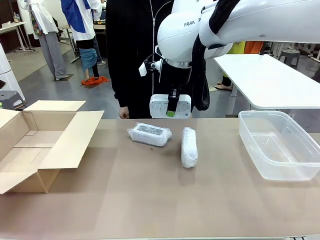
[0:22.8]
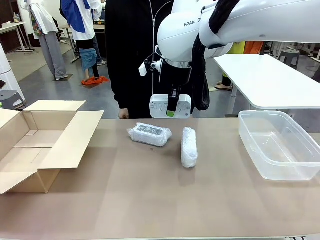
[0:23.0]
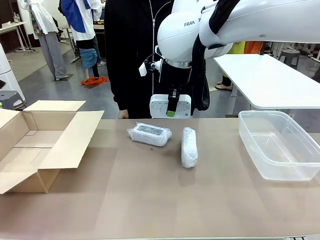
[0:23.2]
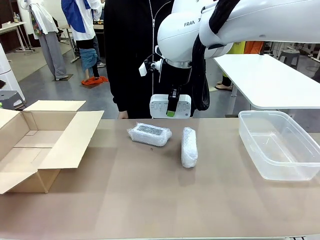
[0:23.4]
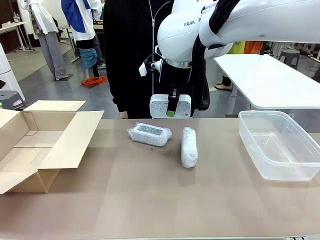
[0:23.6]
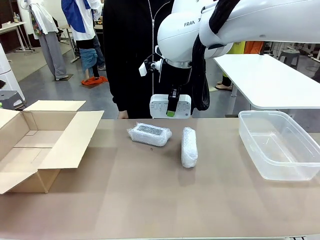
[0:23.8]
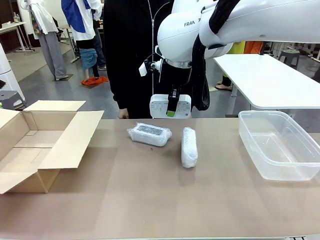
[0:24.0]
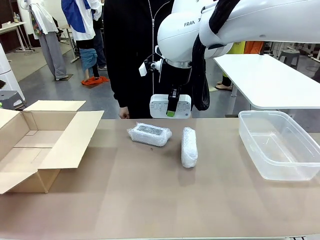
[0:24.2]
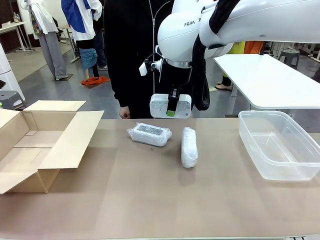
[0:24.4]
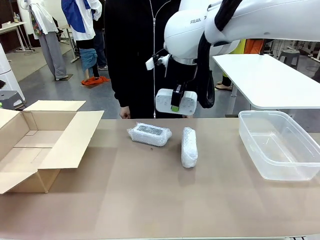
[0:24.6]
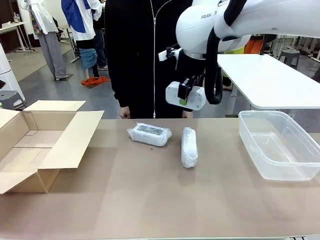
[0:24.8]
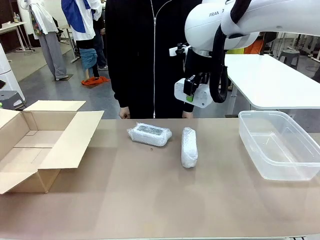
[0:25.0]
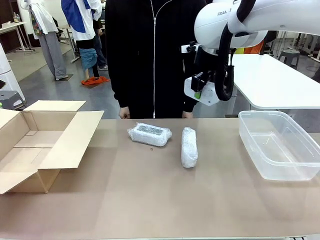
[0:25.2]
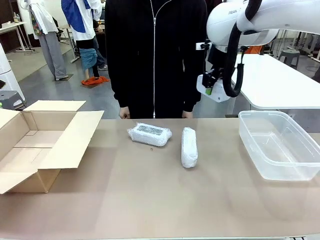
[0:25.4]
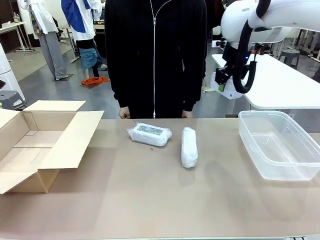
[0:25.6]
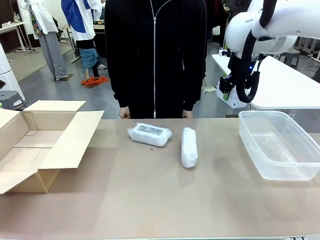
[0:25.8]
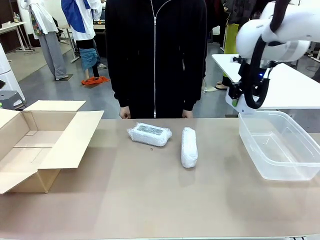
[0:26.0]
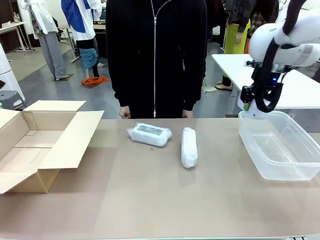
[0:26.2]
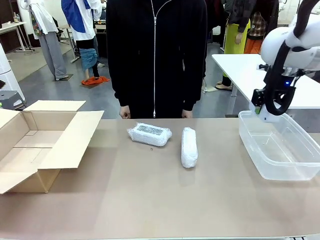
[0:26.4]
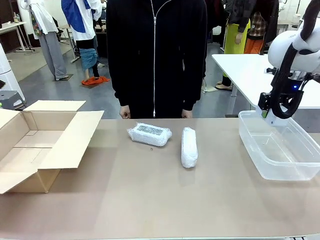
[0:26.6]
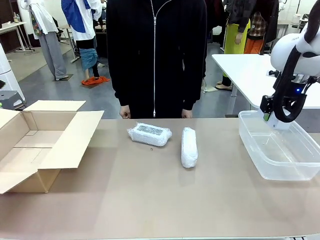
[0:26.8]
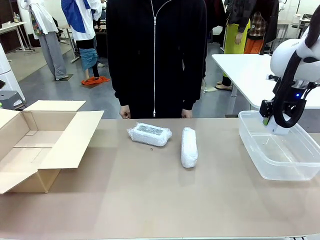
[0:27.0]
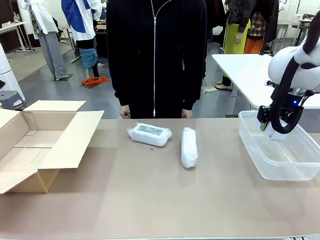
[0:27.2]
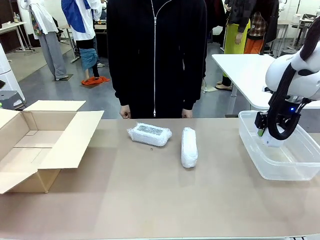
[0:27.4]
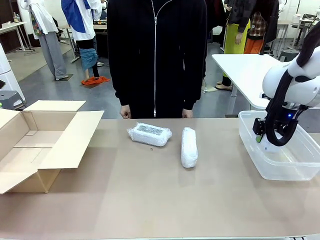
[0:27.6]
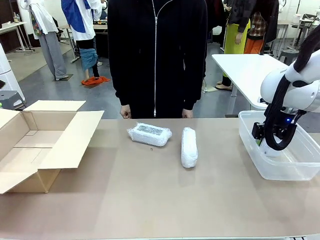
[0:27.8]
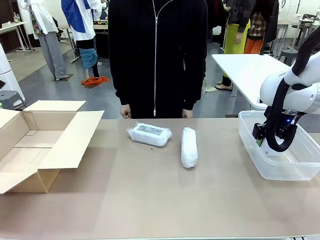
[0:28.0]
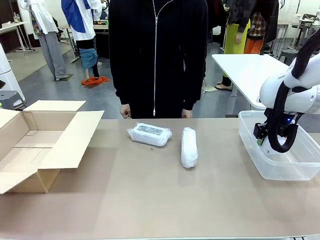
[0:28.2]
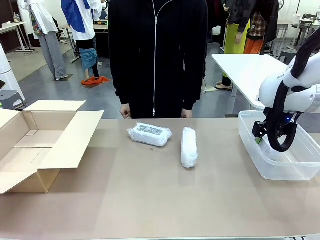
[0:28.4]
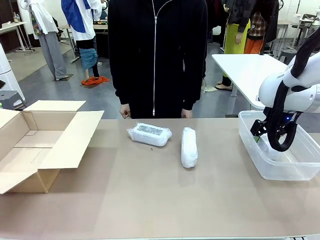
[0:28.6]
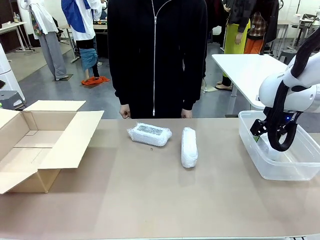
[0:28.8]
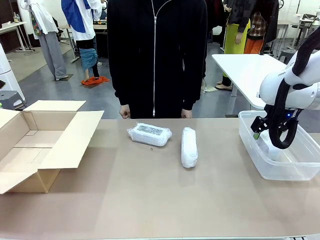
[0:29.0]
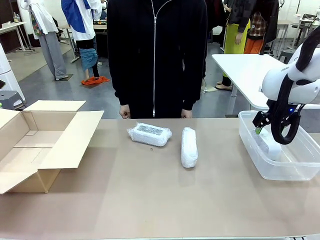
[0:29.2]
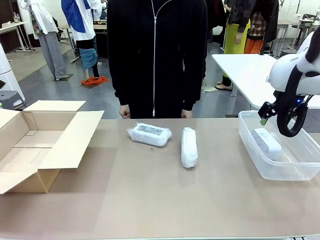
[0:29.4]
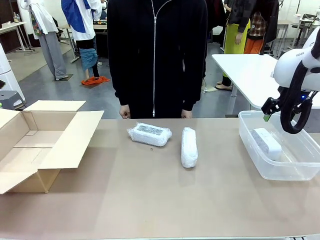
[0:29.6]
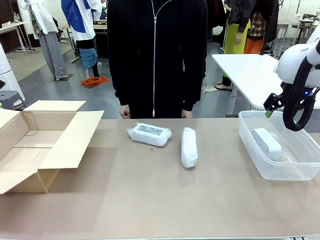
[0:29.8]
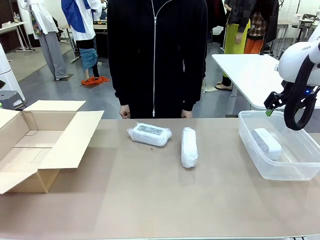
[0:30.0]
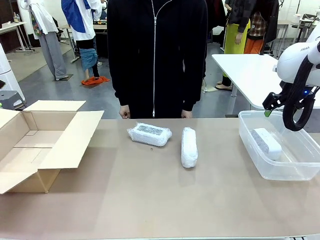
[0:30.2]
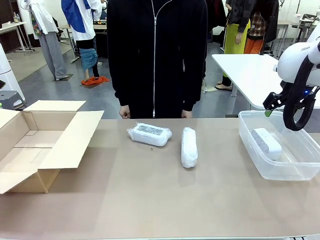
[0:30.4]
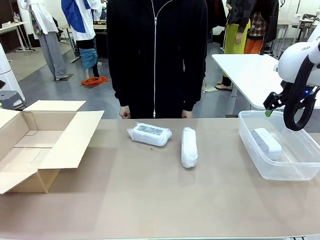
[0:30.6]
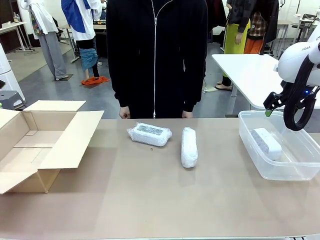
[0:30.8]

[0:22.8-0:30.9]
Task: Separate and place wrapped and unwrapped clocks.
Robot: If the picked Digital clock is wrapped, place it in the Package Box ; if not, place it in the Organizing box.

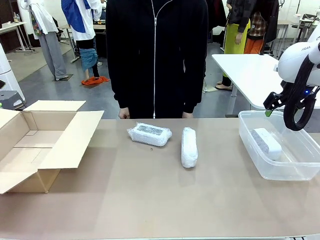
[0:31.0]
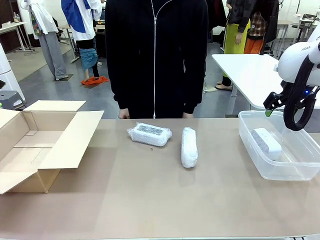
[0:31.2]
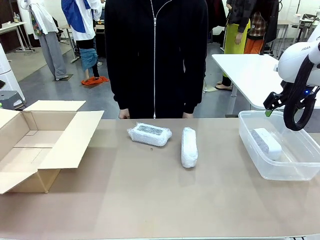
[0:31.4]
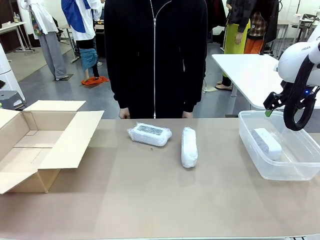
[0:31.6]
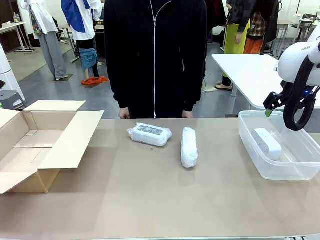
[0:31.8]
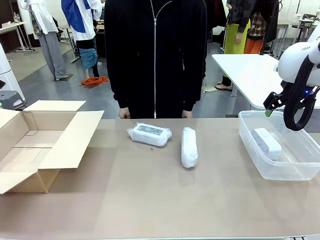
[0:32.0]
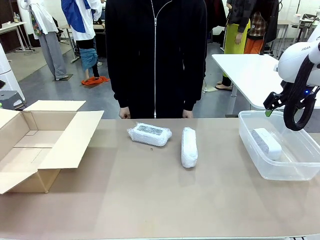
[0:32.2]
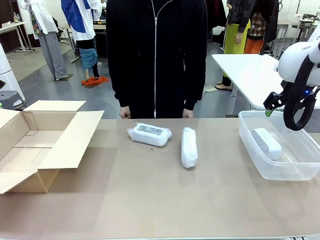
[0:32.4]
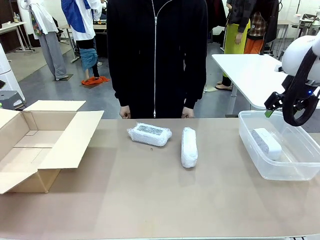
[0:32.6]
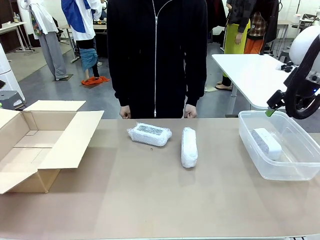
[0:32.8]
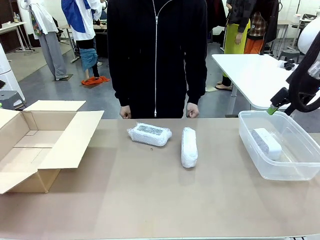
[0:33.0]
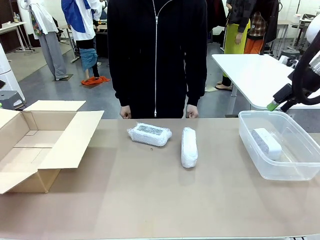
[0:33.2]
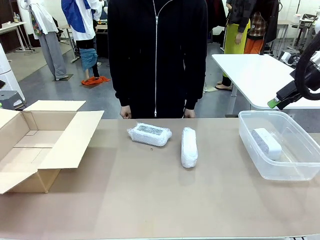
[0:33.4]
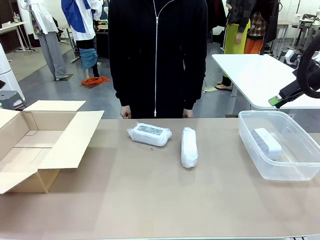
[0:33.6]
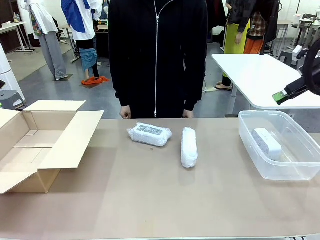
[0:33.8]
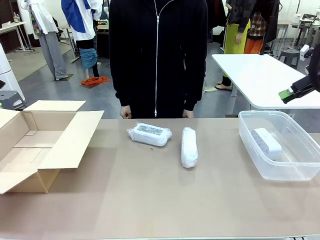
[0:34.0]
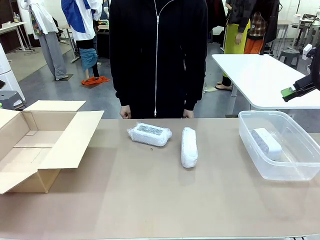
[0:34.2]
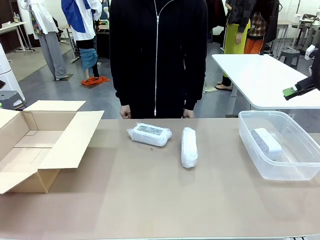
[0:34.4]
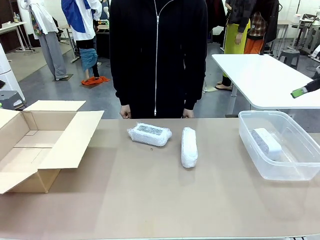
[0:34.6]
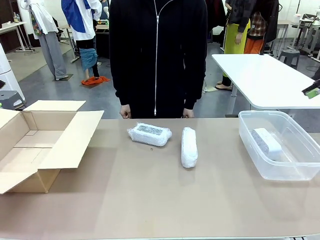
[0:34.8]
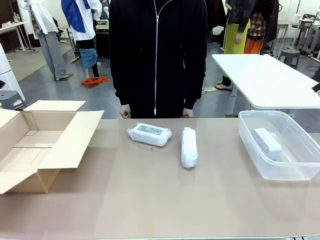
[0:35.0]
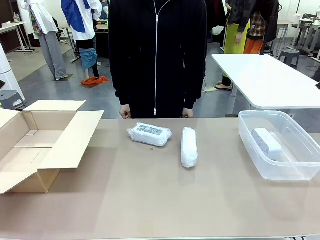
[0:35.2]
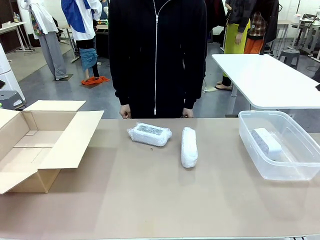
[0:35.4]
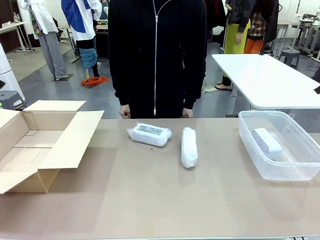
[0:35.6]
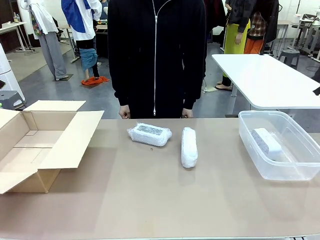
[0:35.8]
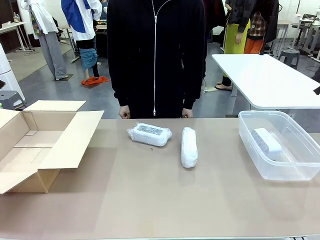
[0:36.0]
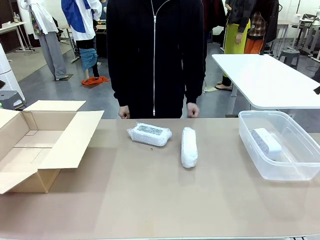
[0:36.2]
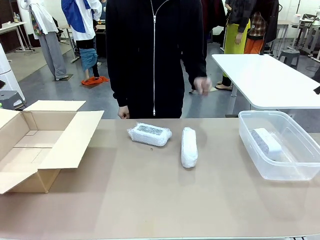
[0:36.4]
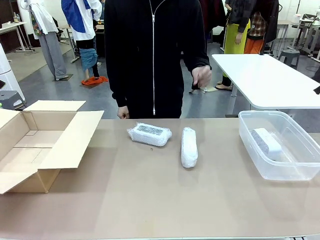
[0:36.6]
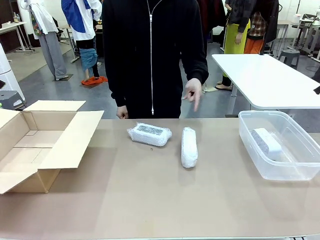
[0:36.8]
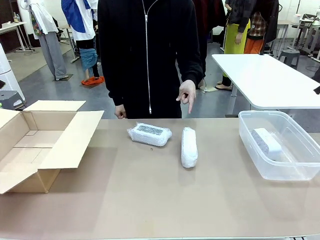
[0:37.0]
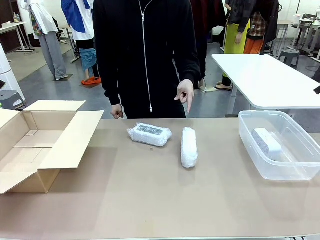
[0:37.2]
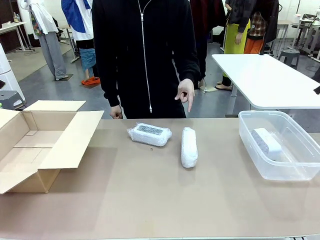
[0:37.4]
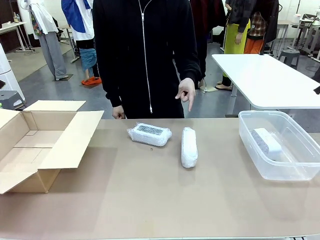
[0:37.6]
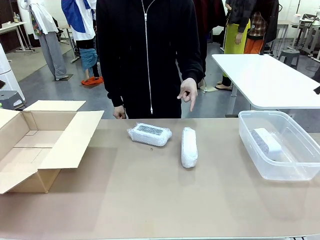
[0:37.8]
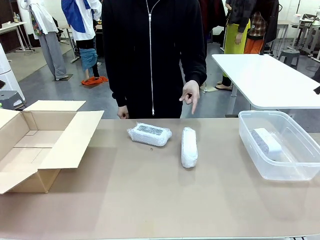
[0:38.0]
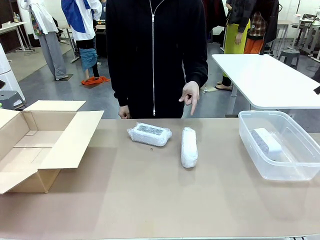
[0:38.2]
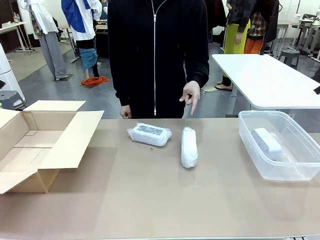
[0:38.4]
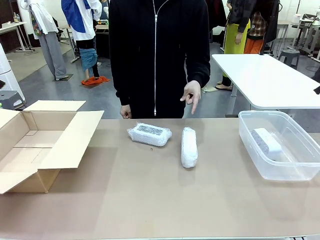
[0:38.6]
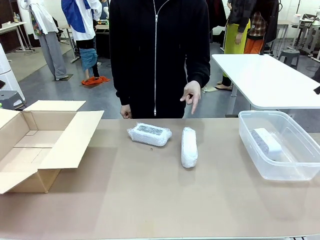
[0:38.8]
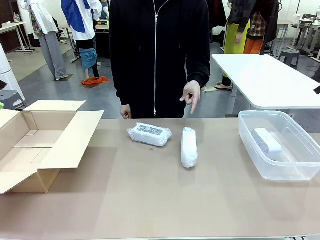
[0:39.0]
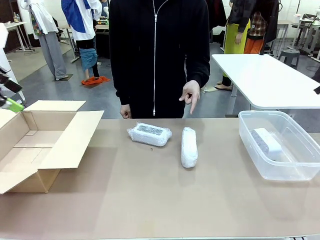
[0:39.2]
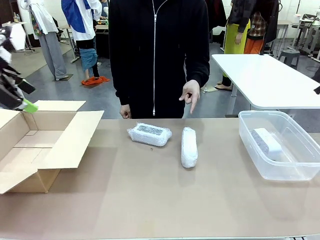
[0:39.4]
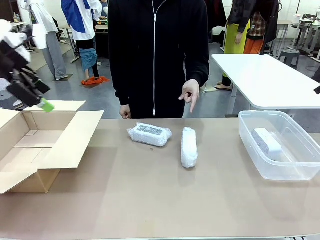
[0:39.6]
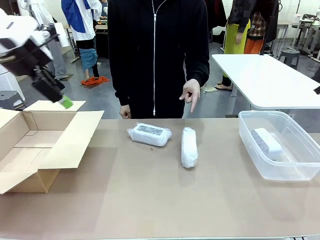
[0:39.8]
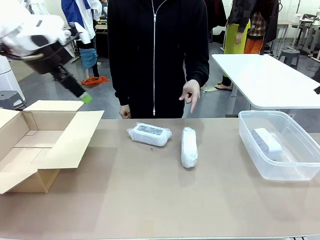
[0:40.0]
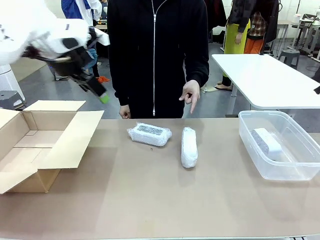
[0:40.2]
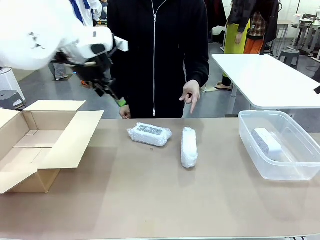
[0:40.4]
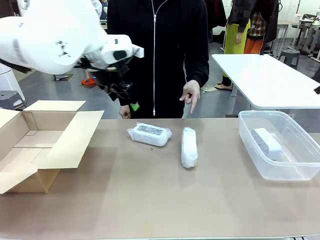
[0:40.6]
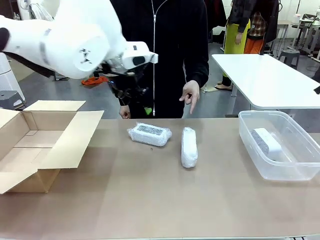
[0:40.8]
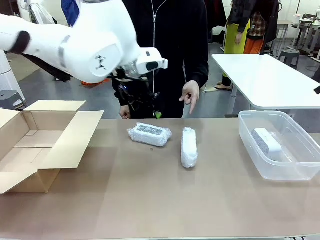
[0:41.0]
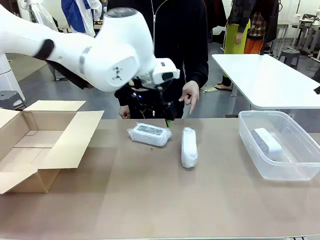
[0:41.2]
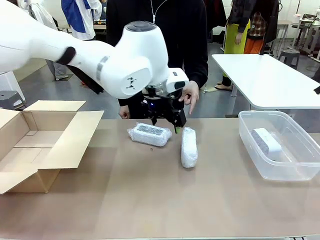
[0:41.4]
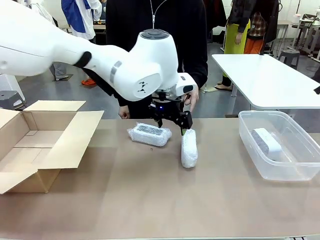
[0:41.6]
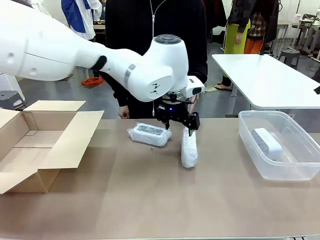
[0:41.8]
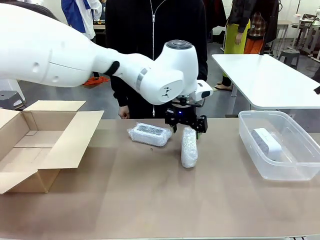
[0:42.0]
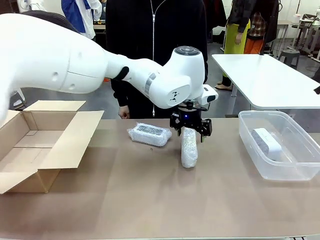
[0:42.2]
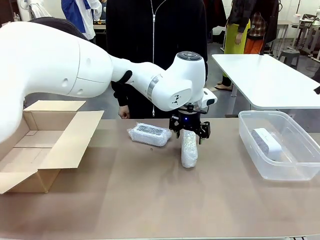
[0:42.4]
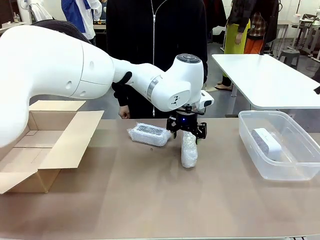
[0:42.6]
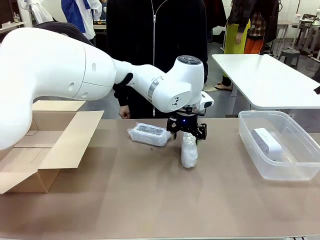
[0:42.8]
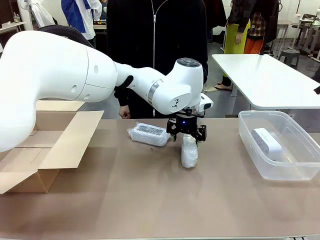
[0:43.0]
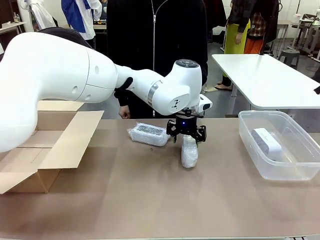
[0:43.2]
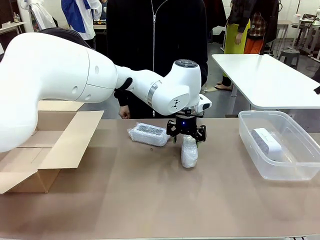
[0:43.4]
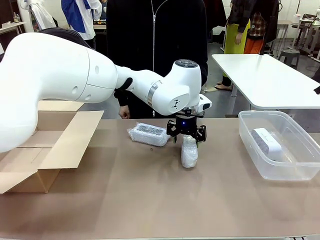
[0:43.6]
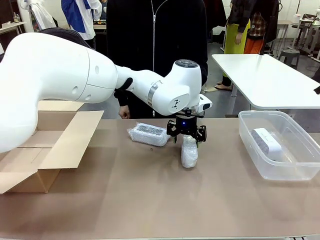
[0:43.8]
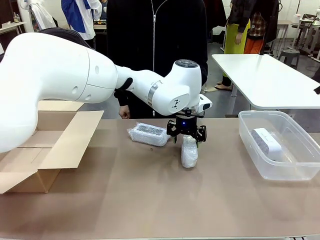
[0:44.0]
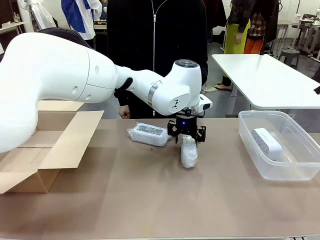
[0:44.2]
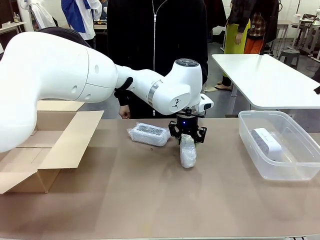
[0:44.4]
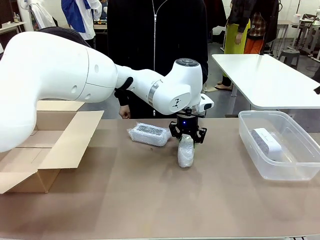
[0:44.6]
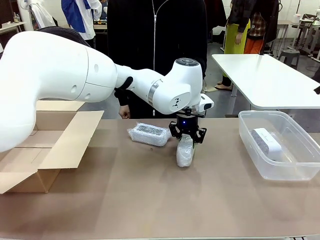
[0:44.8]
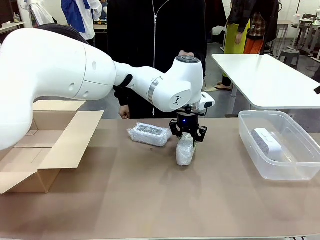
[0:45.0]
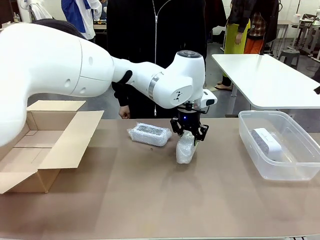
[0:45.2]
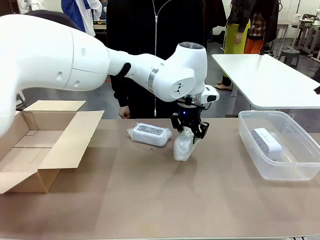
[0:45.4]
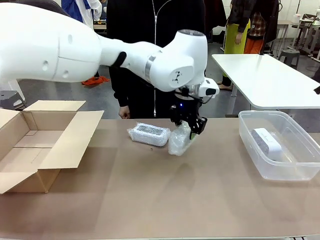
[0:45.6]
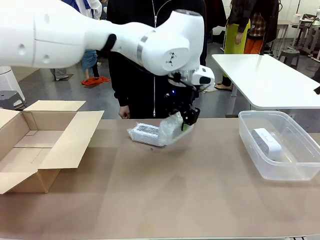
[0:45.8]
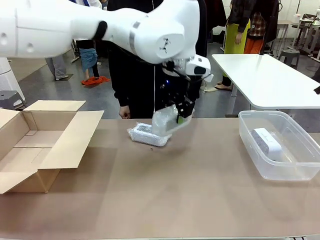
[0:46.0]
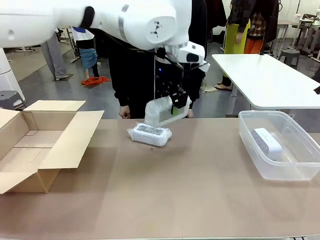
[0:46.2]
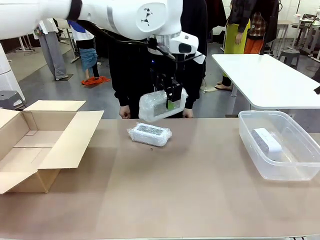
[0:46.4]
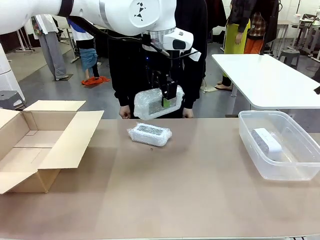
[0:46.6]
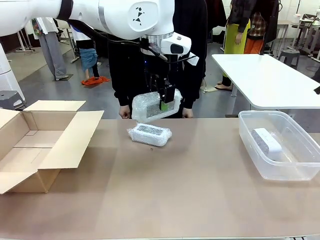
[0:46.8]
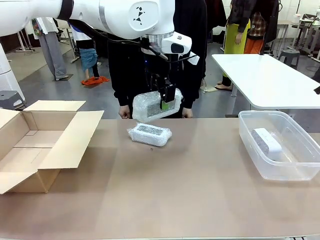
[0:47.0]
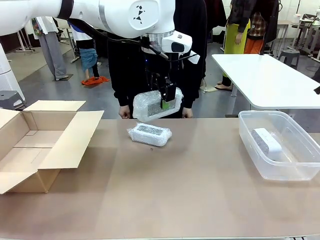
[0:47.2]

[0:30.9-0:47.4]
Robot: Pick up the Digital clock indicated by the person.
